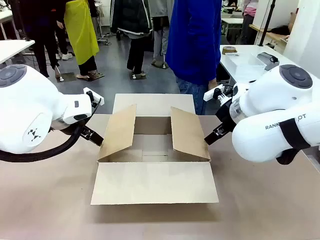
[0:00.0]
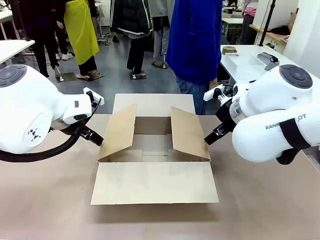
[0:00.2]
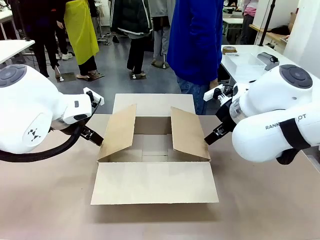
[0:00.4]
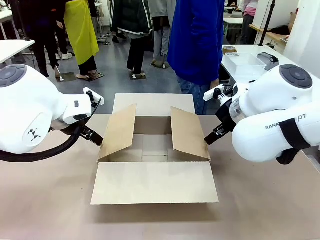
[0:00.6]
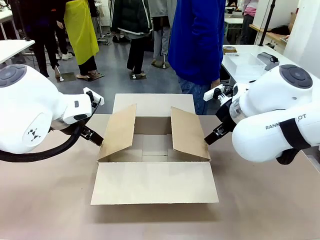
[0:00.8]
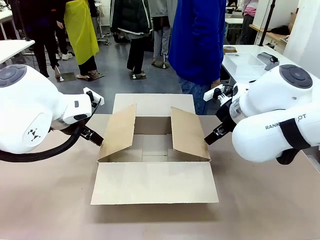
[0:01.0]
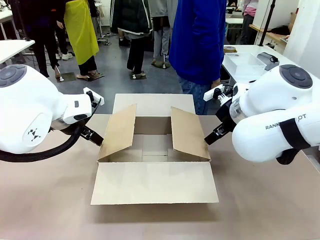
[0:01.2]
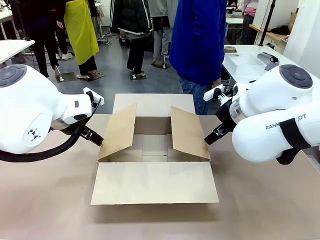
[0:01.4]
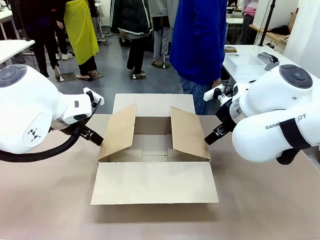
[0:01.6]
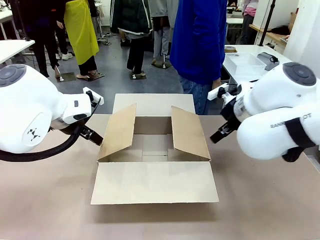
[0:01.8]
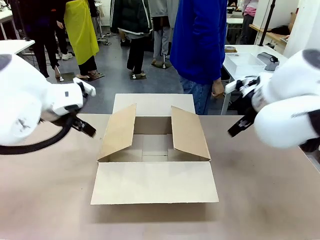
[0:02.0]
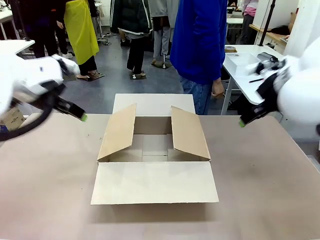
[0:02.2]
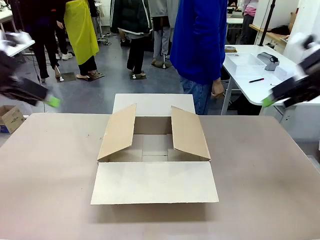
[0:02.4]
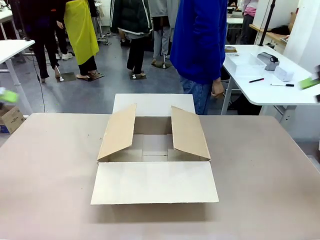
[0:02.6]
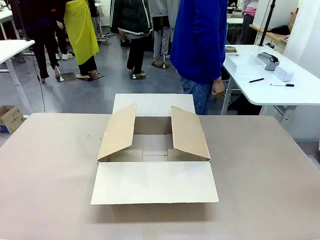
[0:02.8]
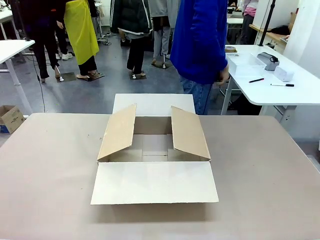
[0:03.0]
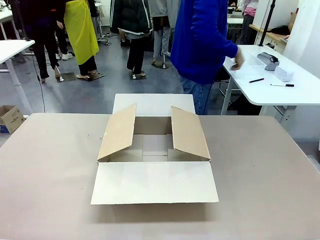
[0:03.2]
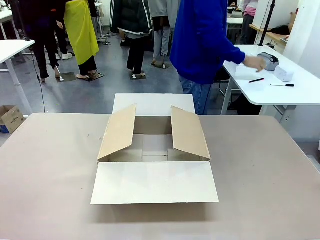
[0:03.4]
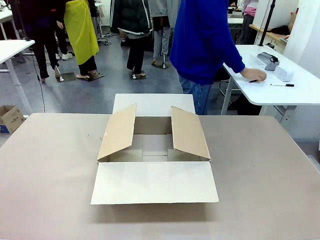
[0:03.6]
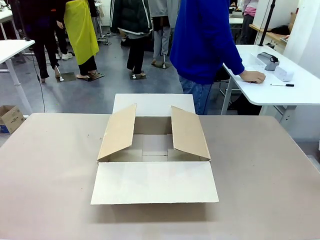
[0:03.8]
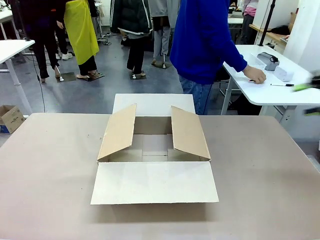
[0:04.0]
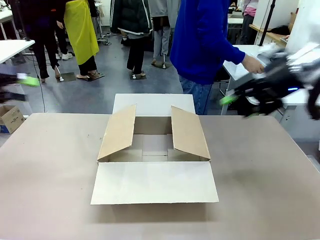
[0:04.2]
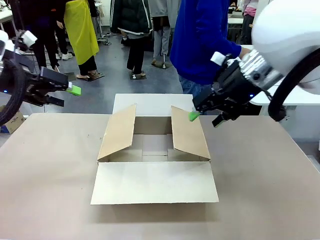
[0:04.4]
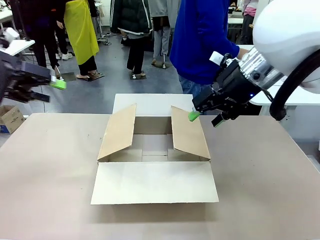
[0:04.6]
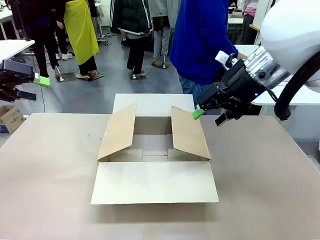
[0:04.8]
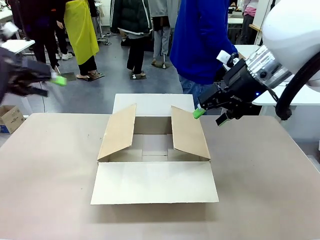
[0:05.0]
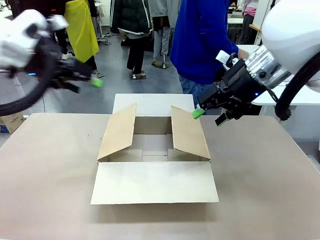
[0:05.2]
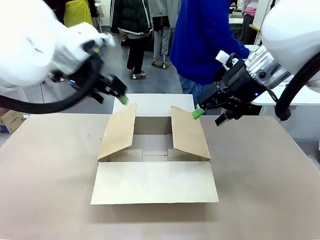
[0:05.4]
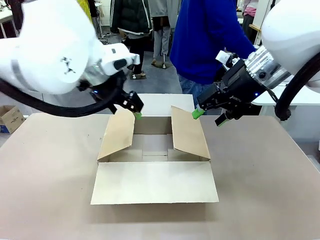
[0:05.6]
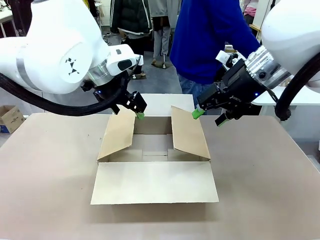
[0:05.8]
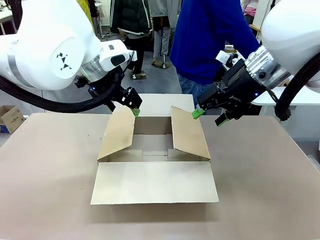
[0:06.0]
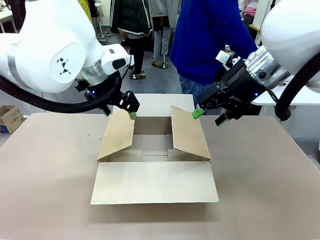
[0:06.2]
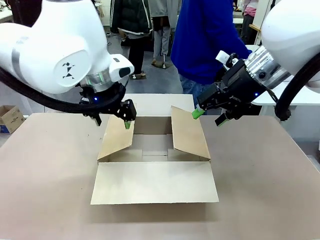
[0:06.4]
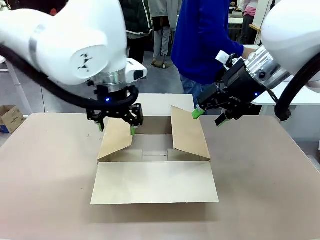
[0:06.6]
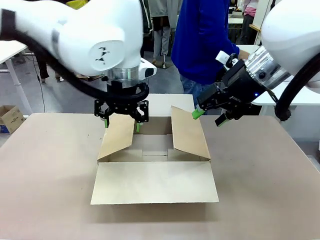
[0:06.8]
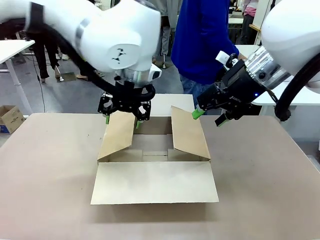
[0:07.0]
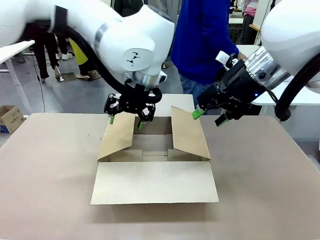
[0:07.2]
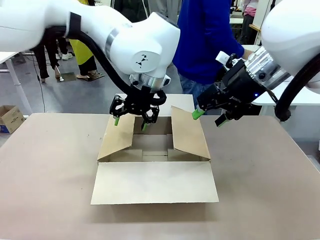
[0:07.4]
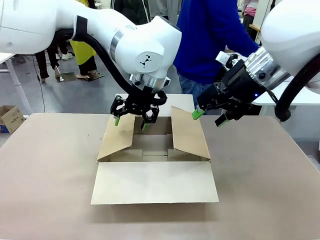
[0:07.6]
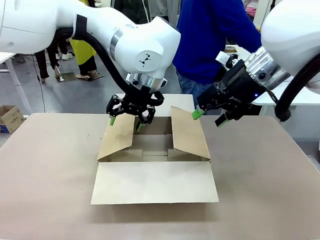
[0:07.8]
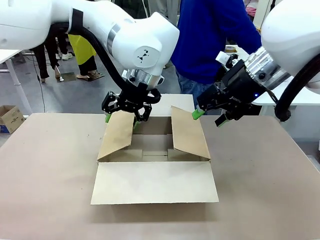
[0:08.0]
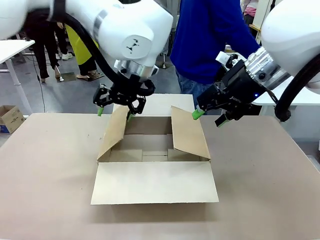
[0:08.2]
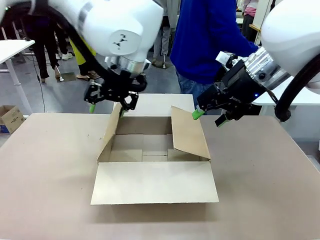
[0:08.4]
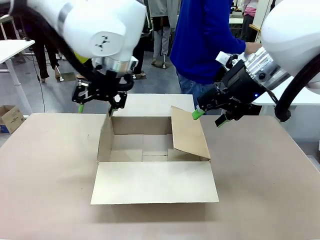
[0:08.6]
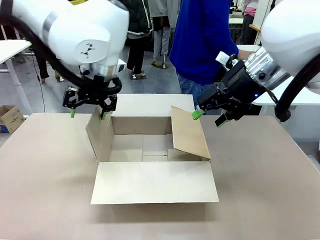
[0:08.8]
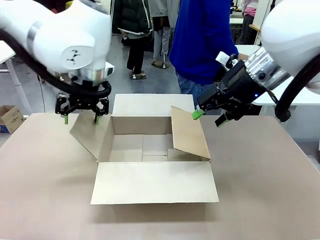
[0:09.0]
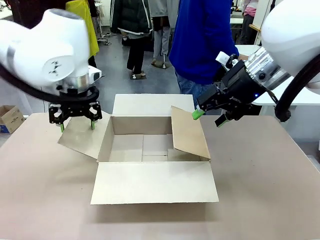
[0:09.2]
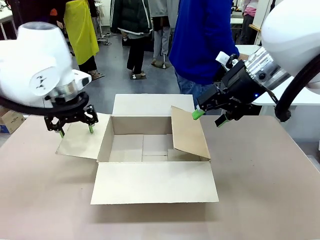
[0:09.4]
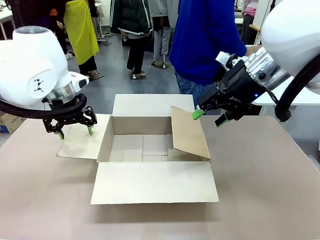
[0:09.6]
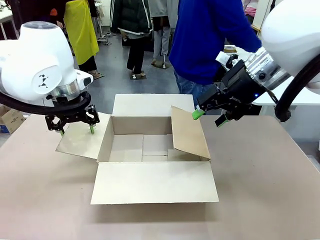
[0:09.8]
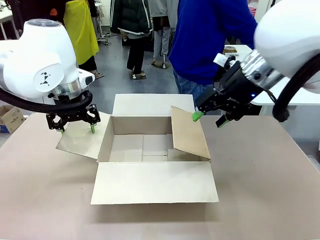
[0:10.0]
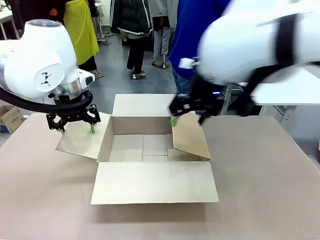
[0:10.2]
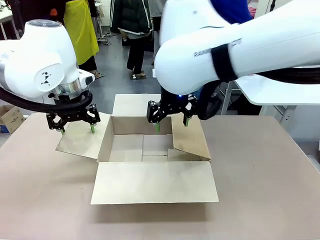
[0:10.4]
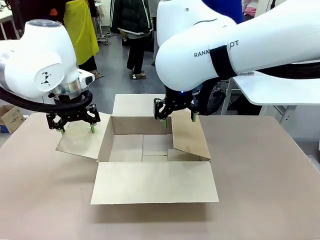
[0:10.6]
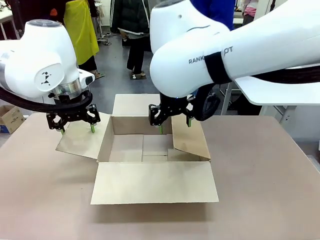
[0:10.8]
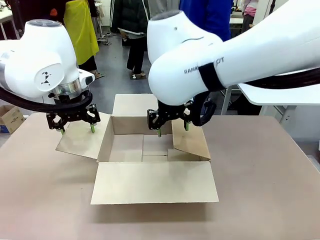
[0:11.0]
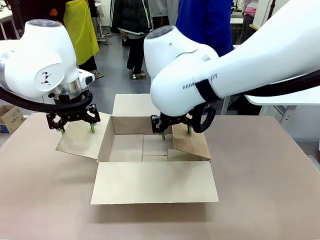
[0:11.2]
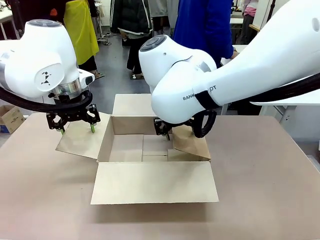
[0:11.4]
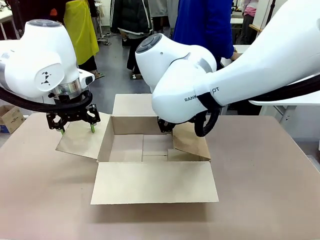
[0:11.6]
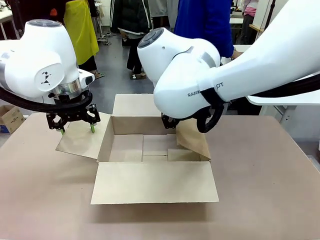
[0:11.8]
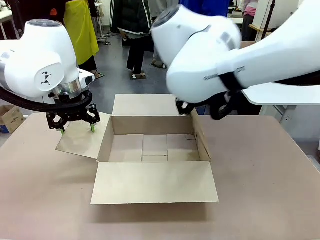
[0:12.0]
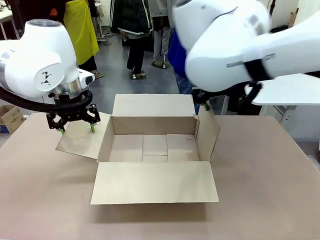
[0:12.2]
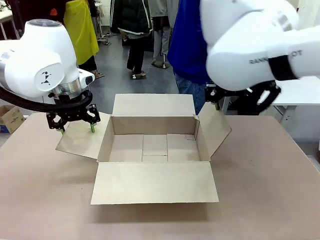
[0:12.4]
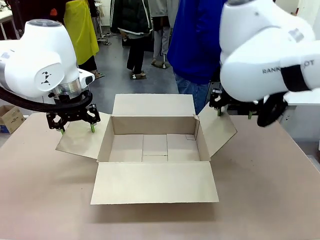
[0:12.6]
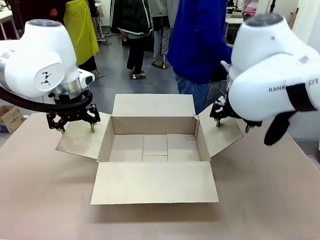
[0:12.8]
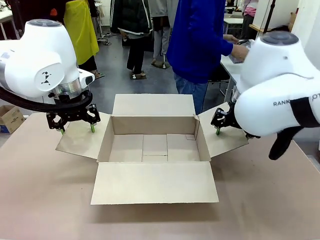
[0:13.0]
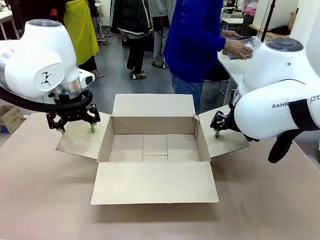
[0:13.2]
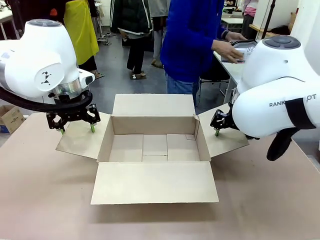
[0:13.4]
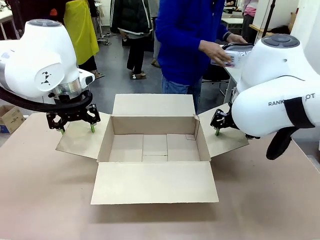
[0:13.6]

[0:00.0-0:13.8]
Task: Pack the gift set into the box.
Robot: Place both hands on the side flaps of the Package Box and spread them outward.
Person: The human places all items except the paper tape into the organizing basket.

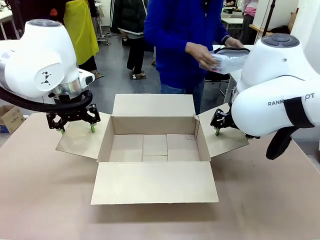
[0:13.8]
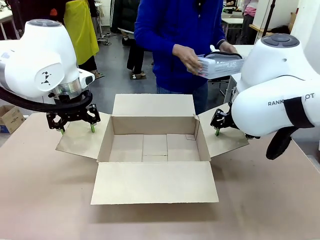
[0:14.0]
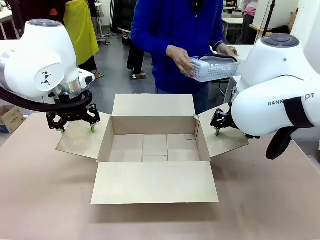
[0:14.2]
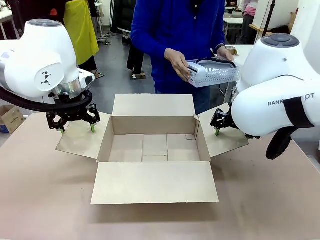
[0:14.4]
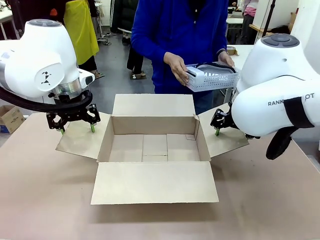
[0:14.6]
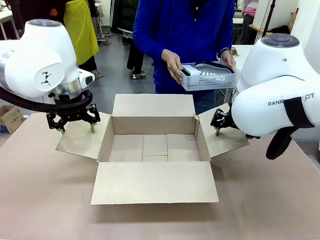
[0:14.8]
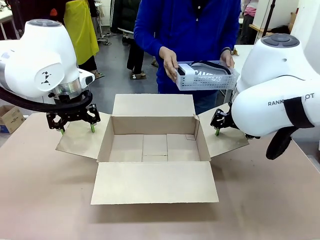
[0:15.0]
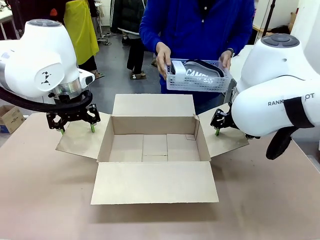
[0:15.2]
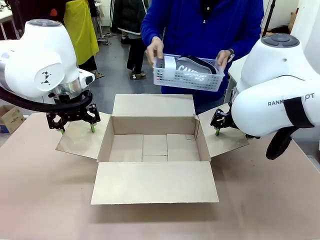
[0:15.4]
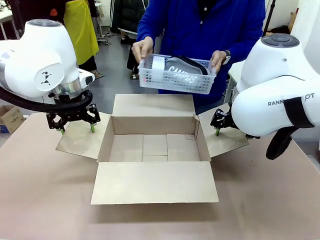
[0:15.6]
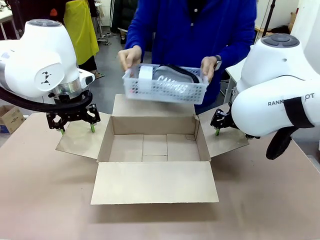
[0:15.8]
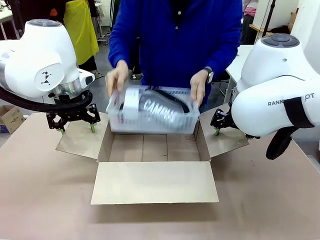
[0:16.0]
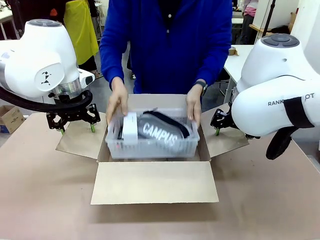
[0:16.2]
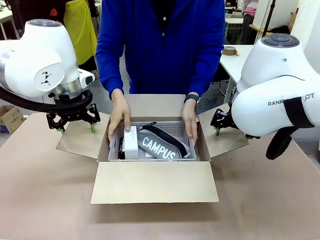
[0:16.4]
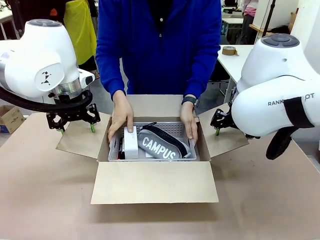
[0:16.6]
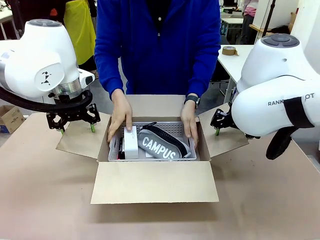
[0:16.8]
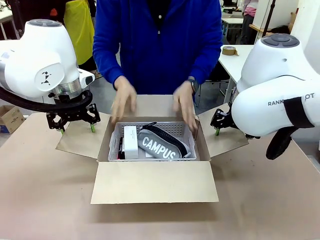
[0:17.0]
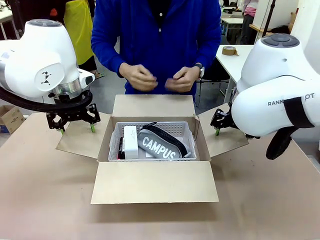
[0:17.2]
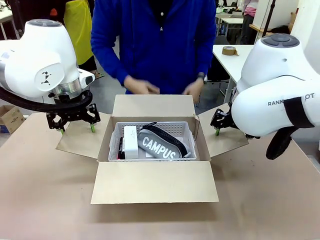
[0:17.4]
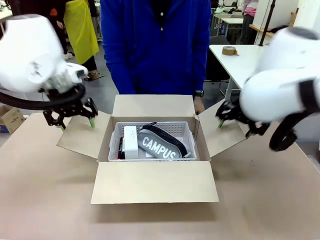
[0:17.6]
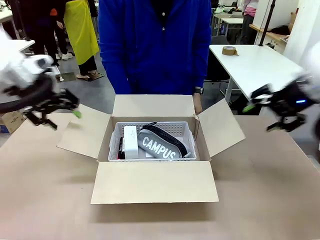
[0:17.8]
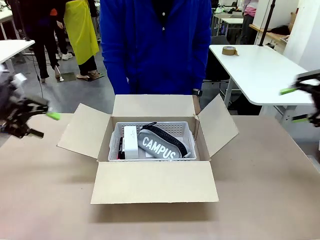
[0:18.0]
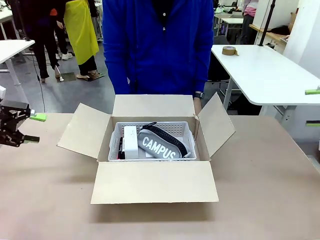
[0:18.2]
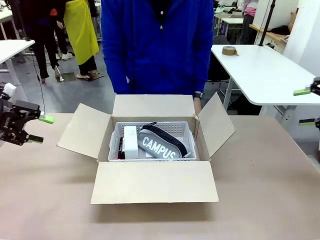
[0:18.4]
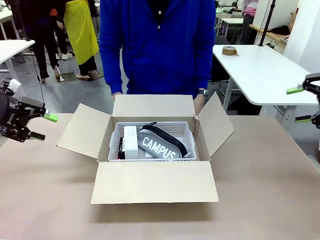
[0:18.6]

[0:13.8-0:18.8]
Robot: Lift both hands away from the flaps of the Package Box.
Person: The human picks up the organizing basket and places the organizing basket into the package box on the robot table.
